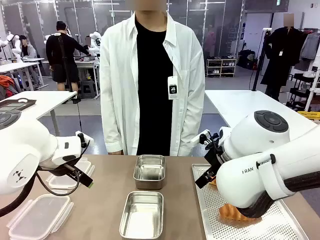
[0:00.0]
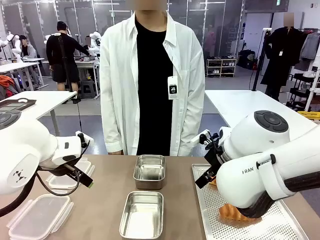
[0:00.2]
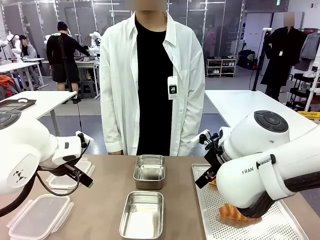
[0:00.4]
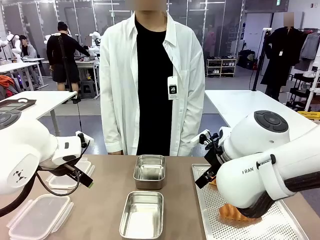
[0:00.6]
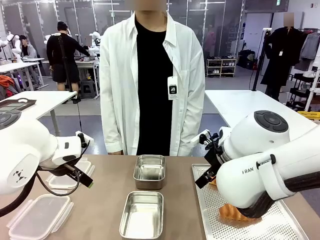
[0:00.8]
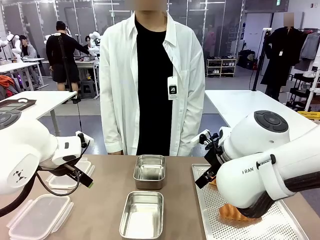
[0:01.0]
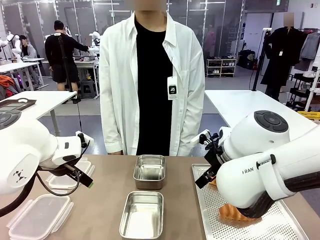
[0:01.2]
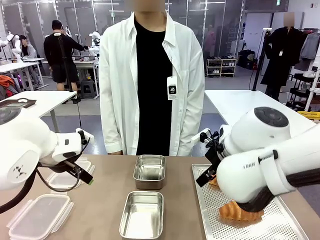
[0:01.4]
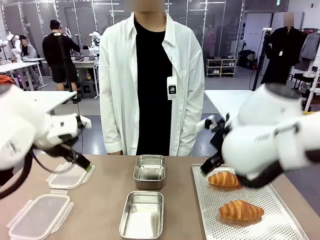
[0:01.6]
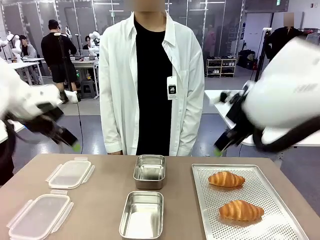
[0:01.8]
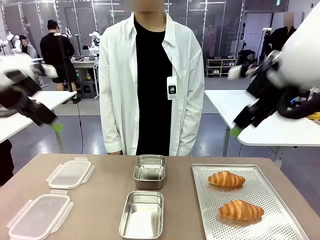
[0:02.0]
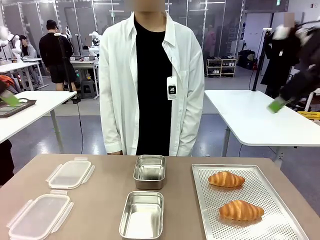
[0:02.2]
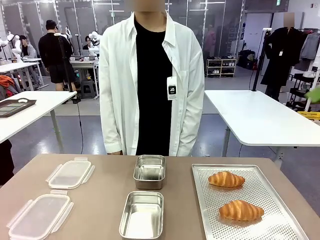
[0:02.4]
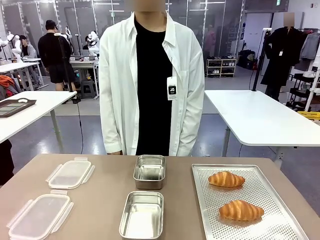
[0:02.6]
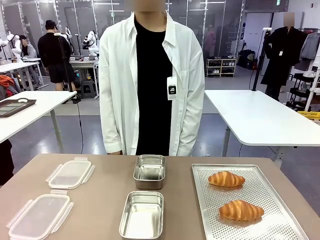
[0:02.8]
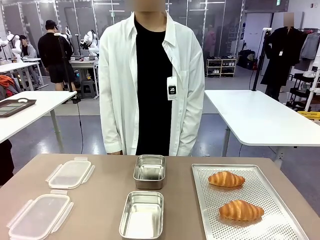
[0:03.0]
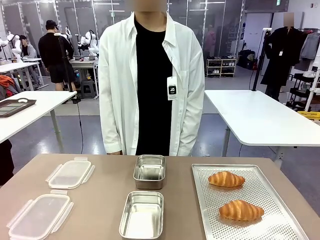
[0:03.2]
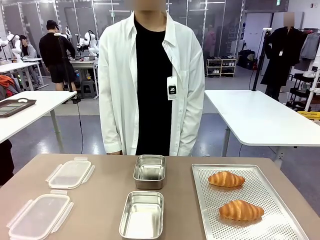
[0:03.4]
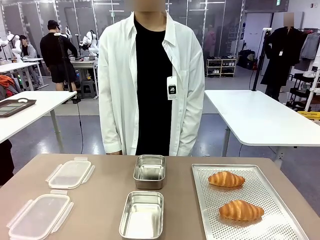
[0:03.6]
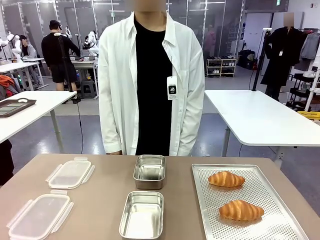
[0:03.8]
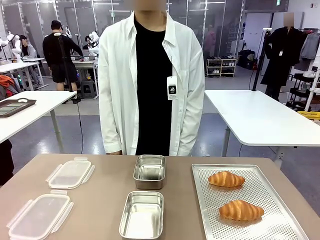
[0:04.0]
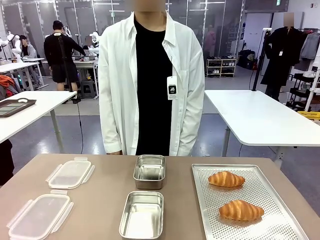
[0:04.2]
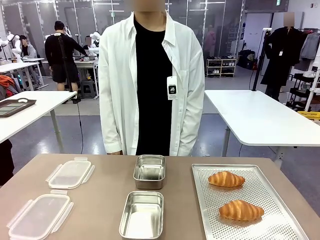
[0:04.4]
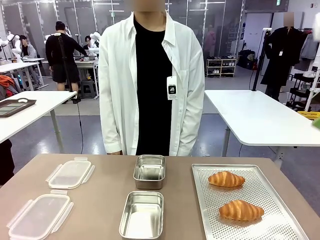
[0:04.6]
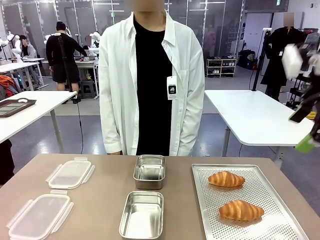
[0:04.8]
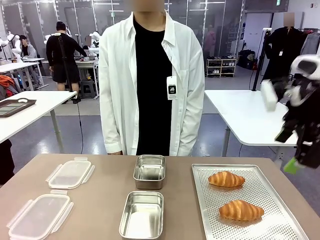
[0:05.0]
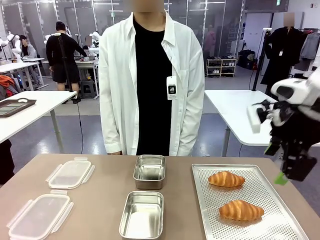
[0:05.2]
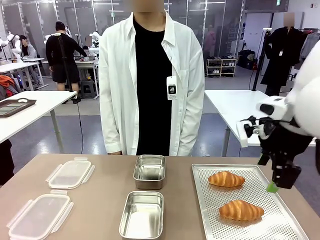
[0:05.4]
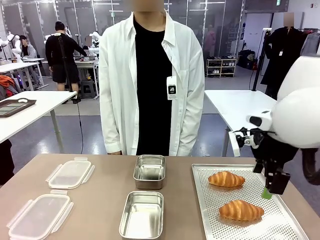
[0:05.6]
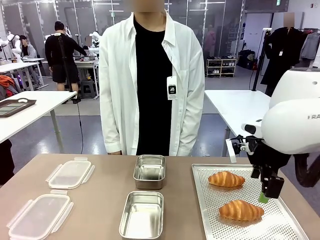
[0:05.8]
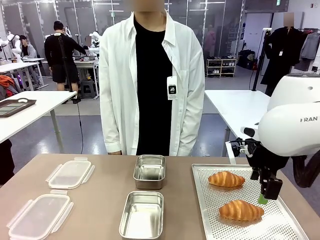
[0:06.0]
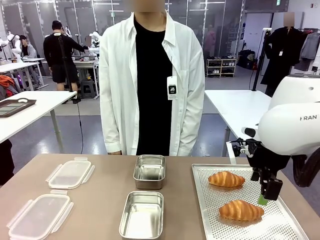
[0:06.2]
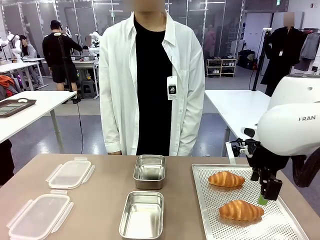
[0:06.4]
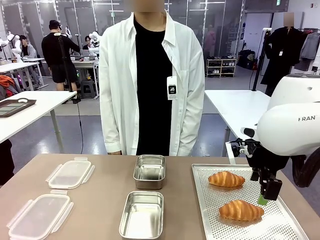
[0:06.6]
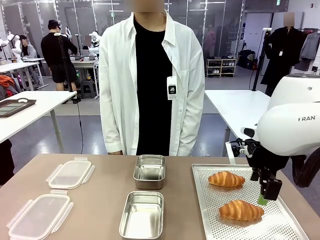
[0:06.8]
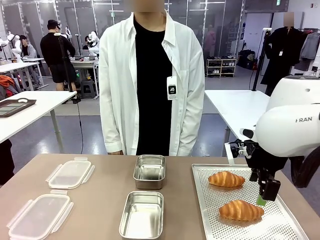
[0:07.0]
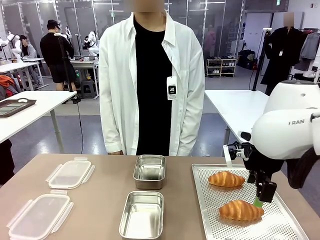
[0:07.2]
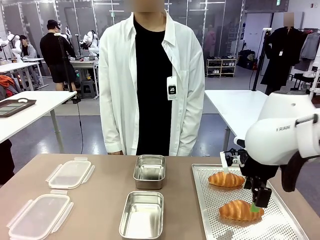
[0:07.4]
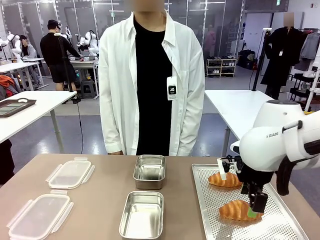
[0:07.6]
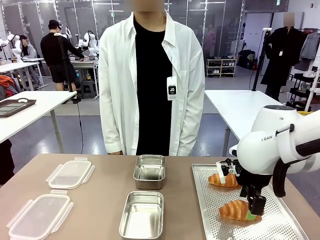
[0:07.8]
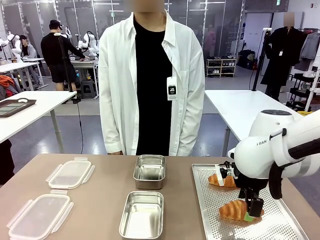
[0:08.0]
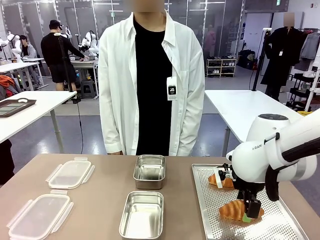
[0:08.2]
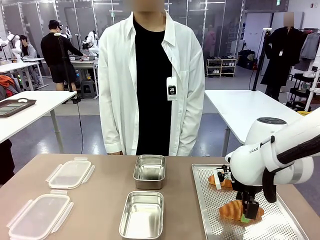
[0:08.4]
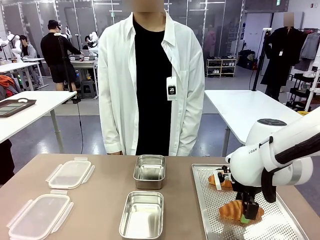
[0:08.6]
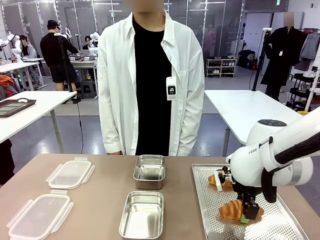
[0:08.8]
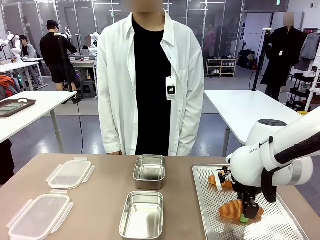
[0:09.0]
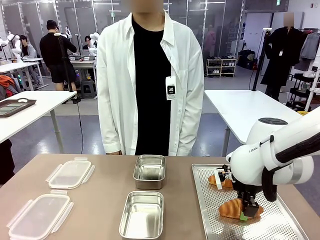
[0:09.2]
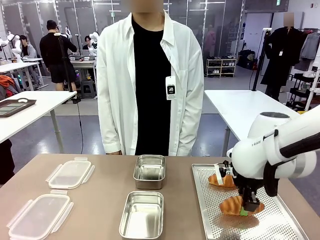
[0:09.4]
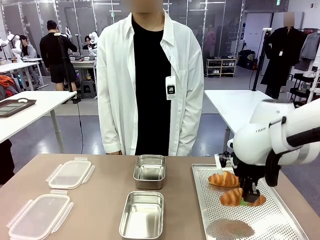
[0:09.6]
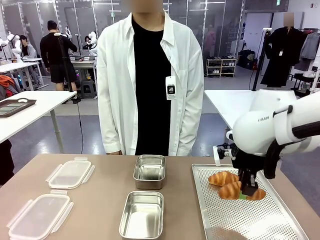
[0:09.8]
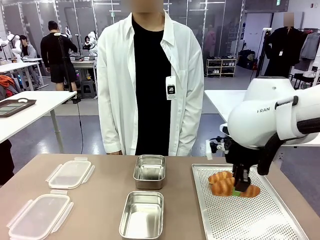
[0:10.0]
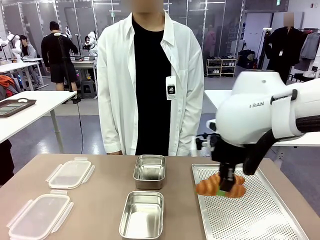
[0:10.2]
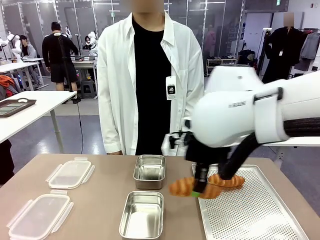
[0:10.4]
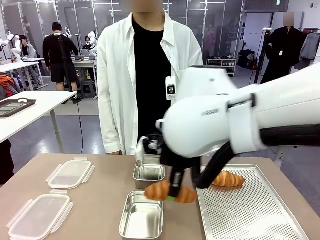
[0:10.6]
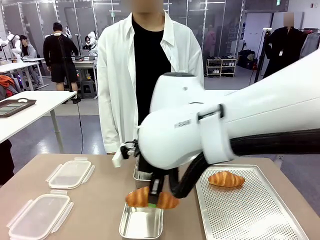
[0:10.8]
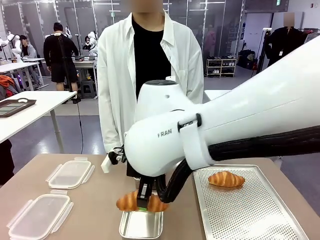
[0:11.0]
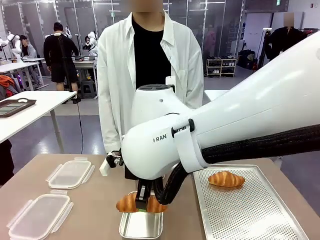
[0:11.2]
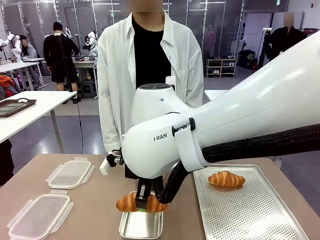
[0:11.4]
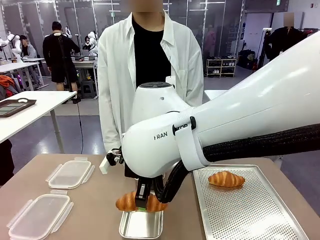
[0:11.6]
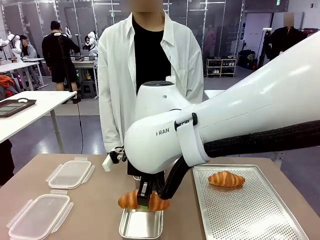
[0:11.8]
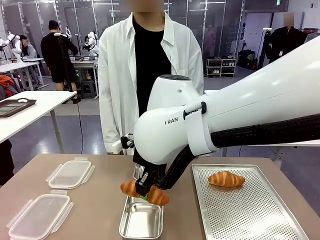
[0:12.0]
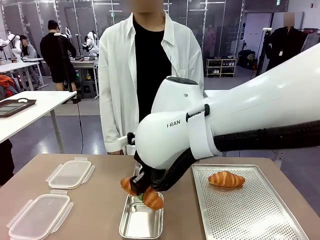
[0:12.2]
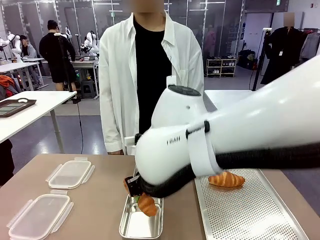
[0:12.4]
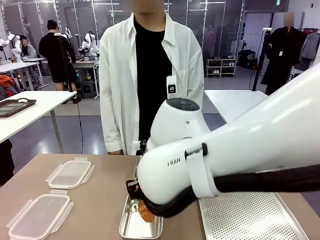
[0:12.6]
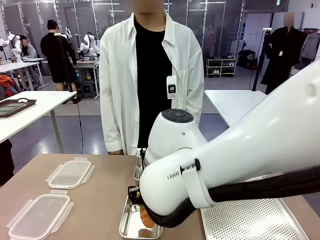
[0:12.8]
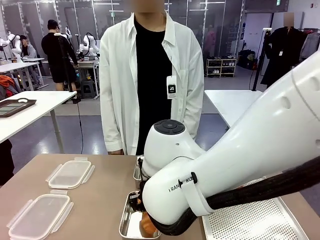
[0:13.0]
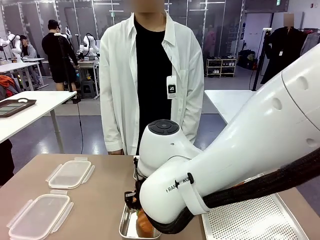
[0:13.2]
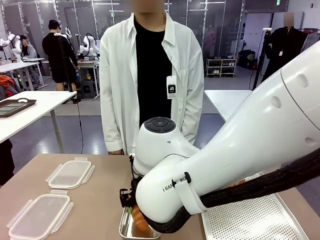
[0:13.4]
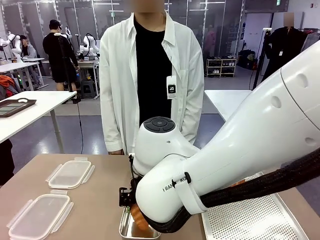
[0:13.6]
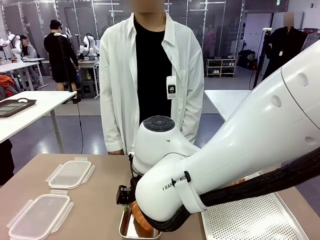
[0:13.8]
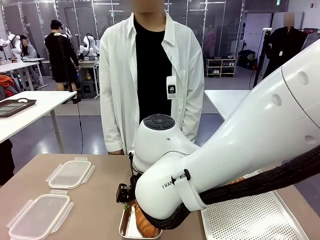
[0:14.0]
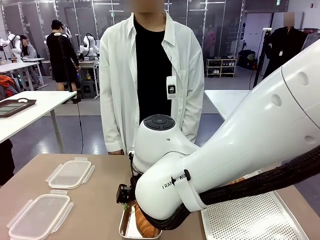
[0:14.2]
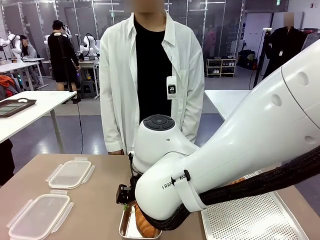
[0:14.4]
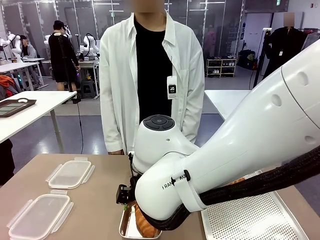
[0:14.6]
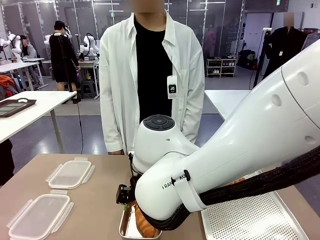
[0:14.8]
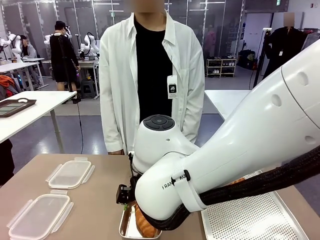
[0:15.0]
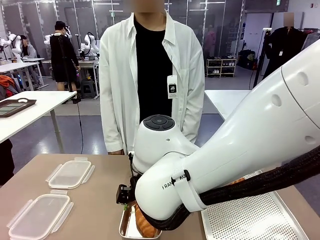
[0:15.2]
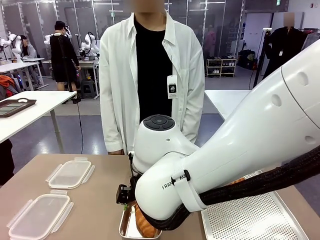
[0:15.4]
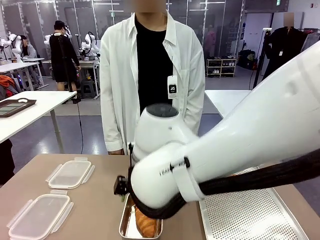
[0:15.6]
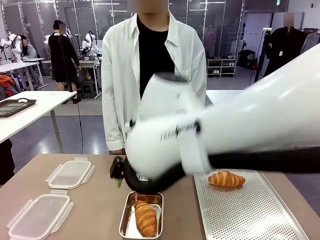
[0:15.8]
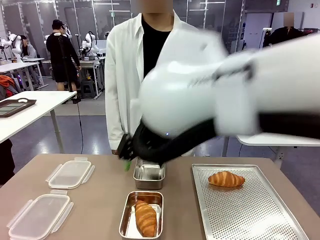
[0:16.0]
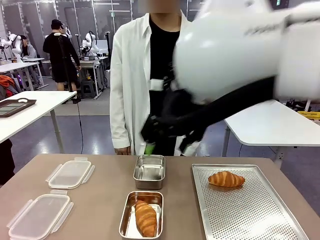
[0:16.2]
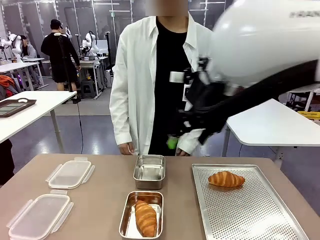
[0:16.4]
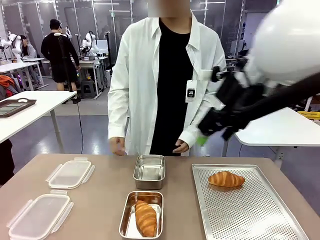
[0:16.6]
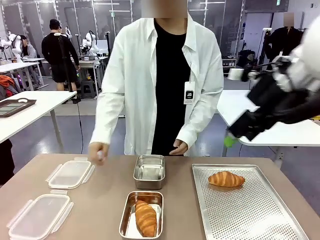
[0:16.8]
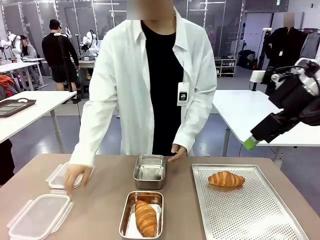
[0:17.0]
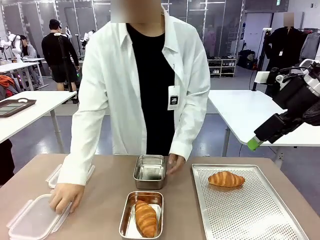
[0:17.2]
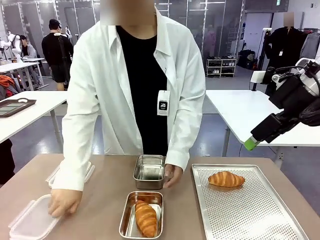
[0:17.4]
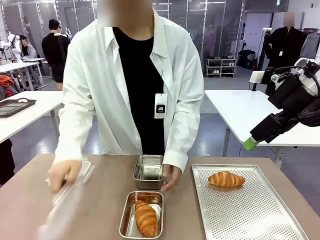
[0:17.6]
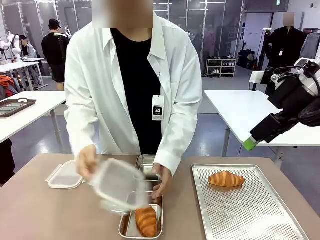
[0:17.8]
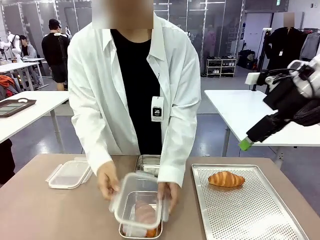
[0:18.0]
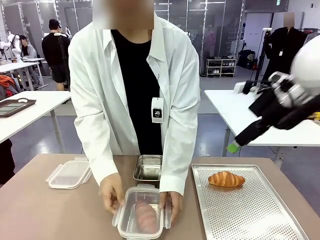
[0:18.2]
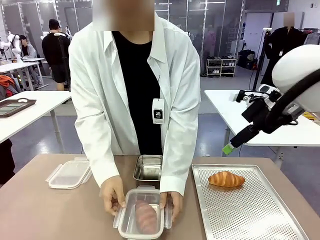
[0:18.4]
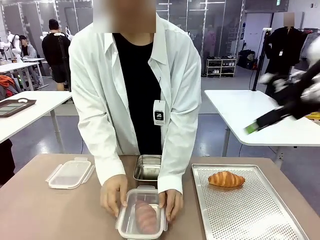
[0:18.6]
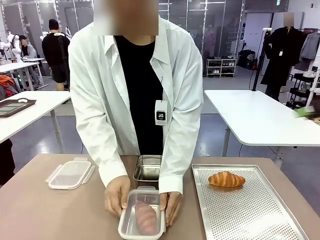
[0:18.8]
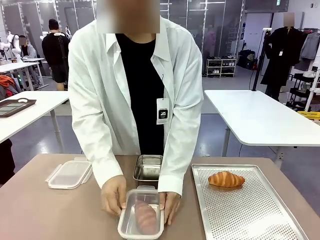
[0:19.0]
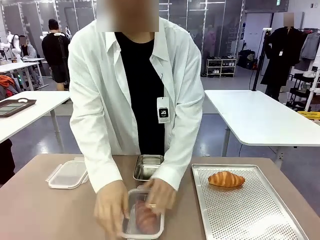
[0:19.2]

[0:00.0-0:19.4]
Task: Place the bread into the airtight container.
Robot: Pick up a Butter Roll and place it into an empty Airtight Container.
